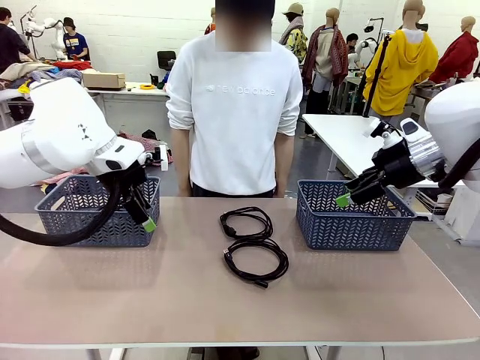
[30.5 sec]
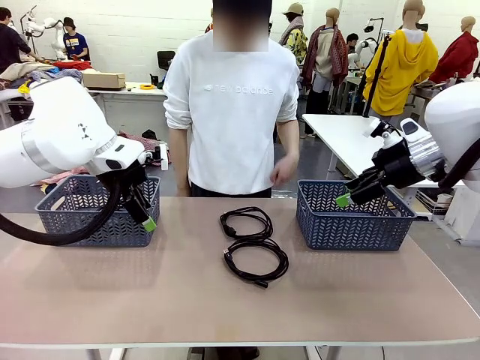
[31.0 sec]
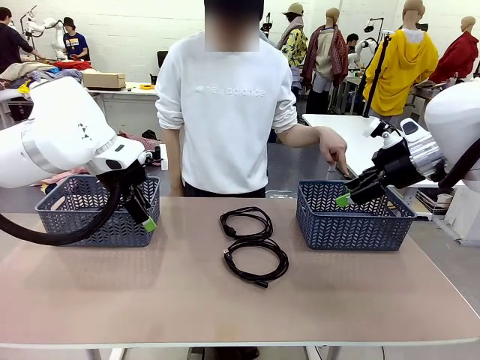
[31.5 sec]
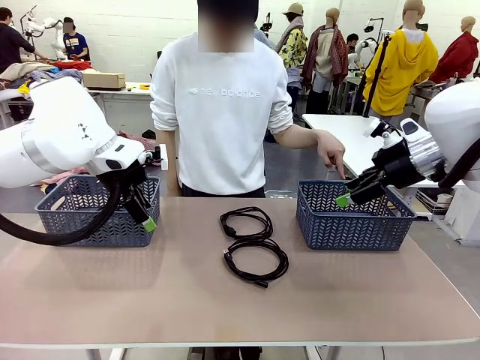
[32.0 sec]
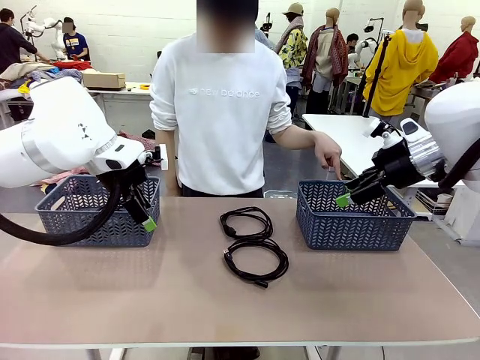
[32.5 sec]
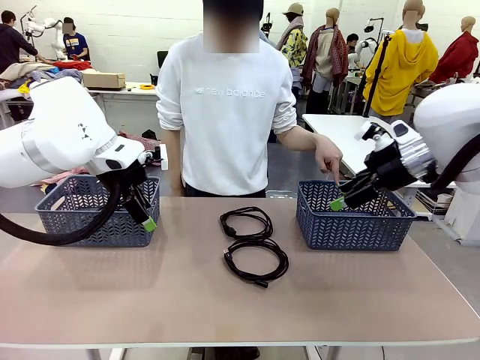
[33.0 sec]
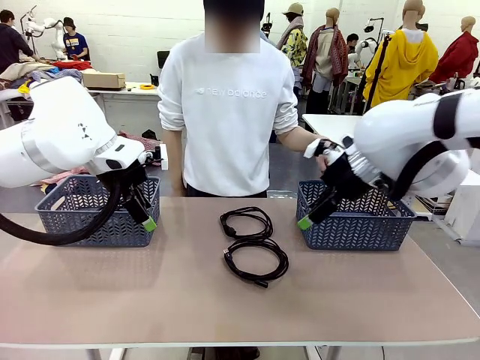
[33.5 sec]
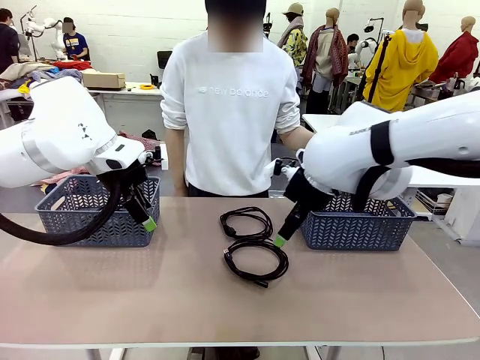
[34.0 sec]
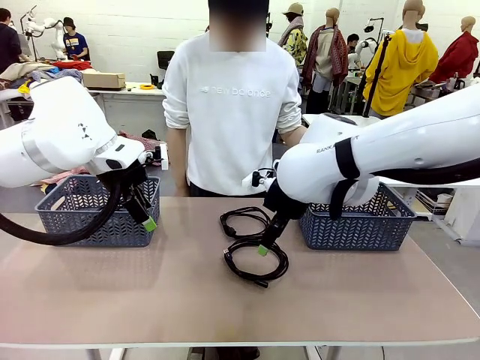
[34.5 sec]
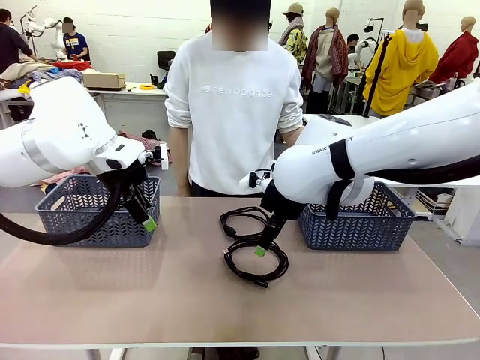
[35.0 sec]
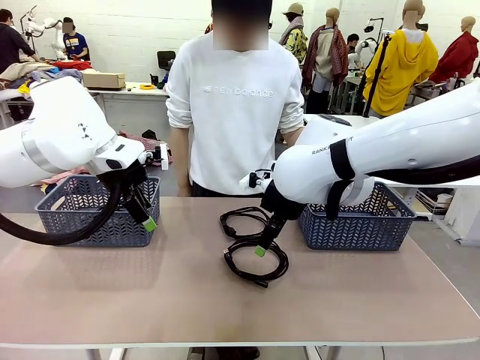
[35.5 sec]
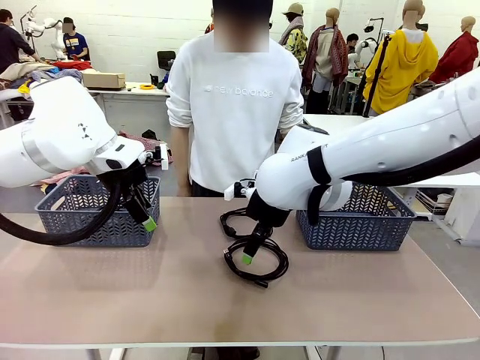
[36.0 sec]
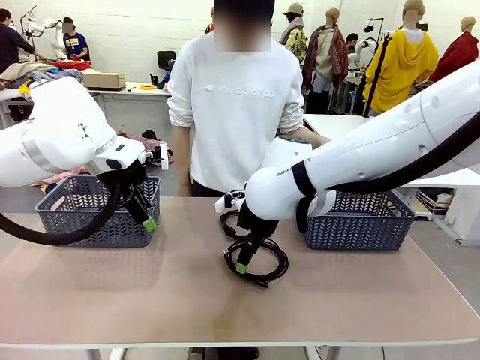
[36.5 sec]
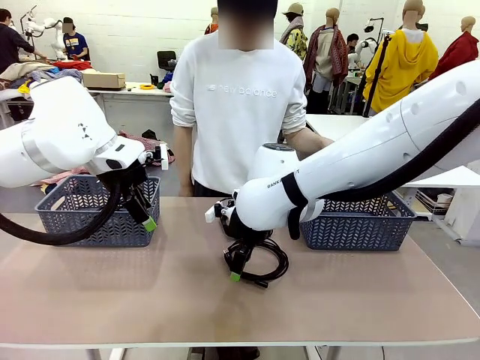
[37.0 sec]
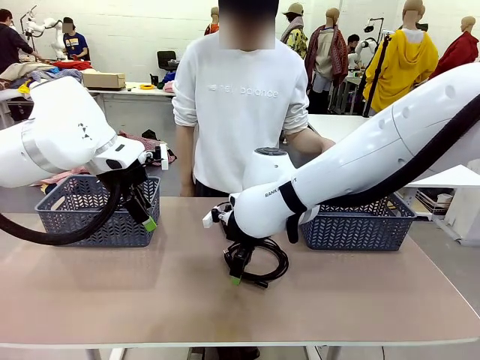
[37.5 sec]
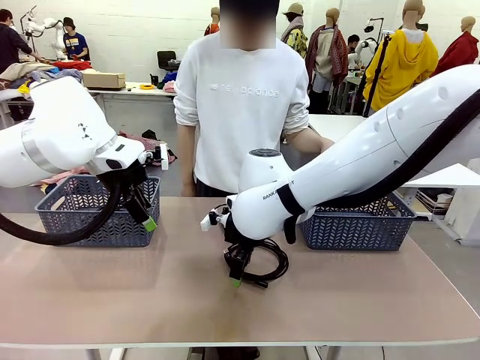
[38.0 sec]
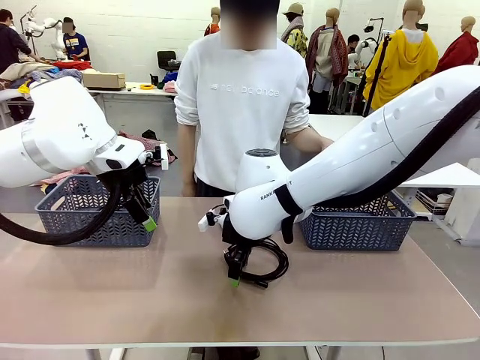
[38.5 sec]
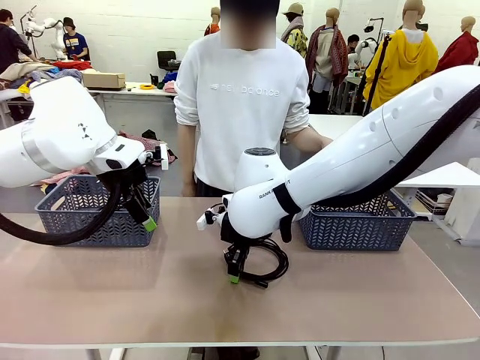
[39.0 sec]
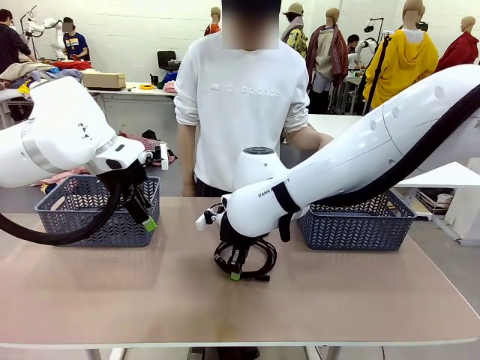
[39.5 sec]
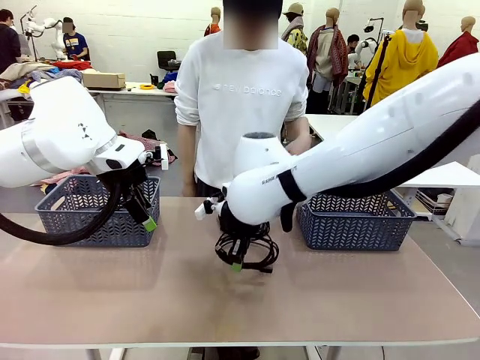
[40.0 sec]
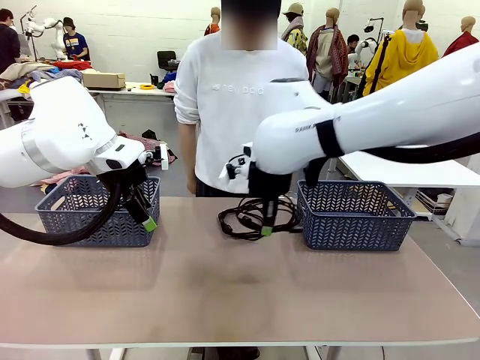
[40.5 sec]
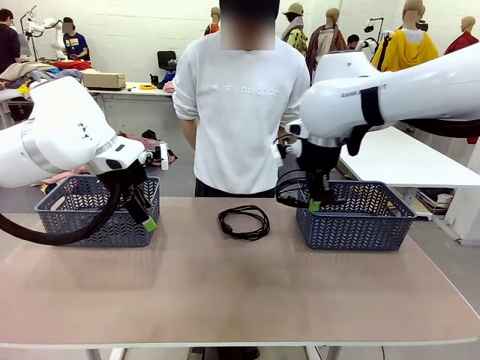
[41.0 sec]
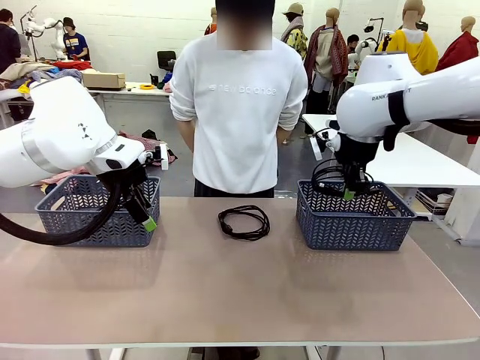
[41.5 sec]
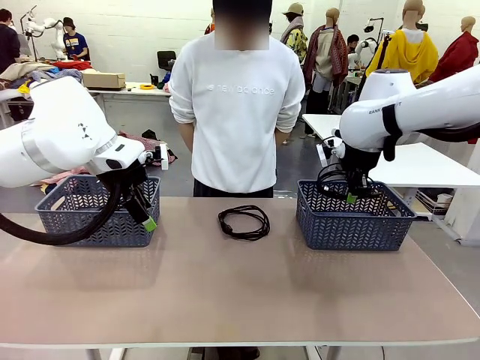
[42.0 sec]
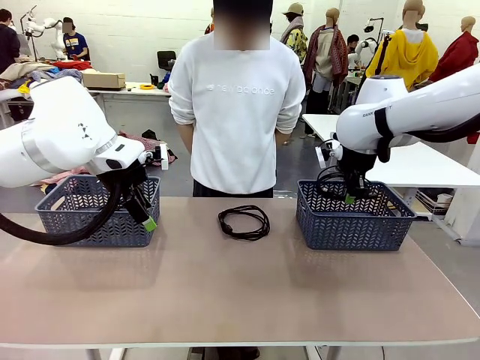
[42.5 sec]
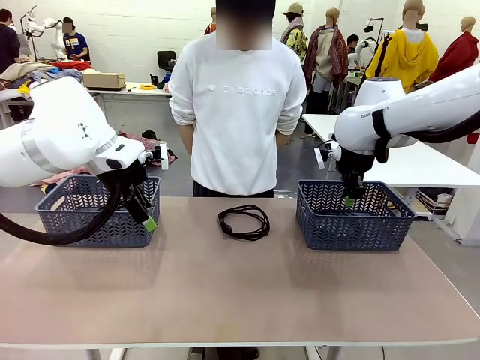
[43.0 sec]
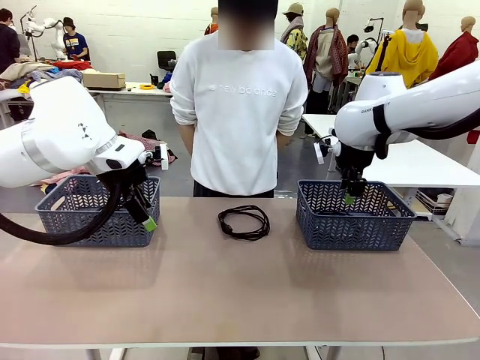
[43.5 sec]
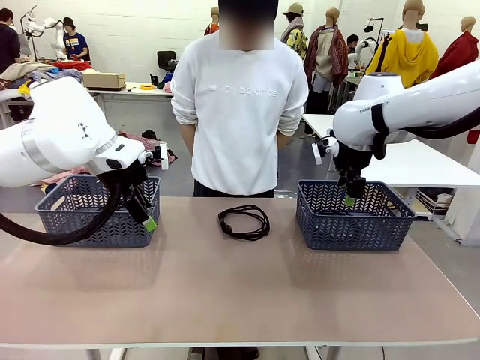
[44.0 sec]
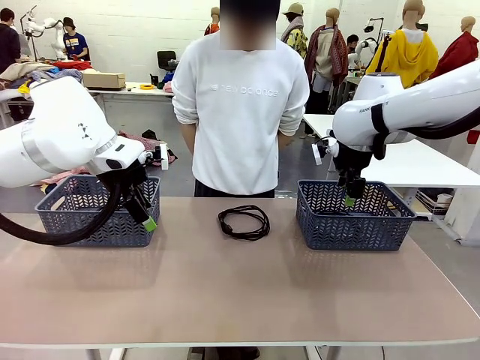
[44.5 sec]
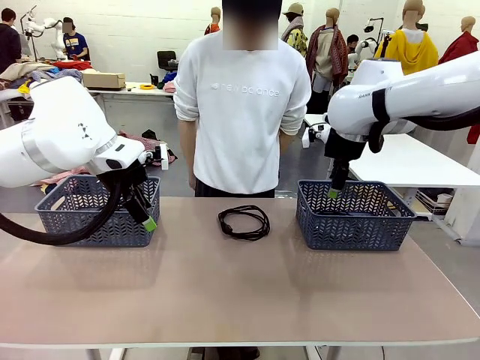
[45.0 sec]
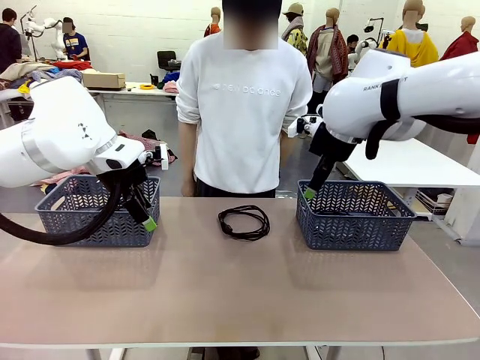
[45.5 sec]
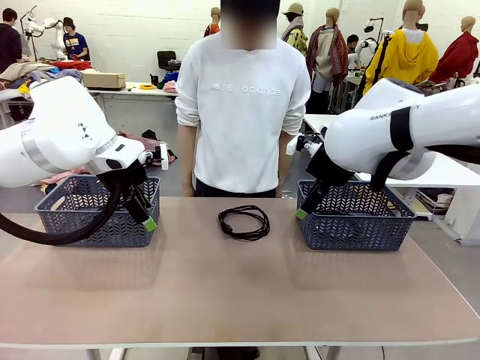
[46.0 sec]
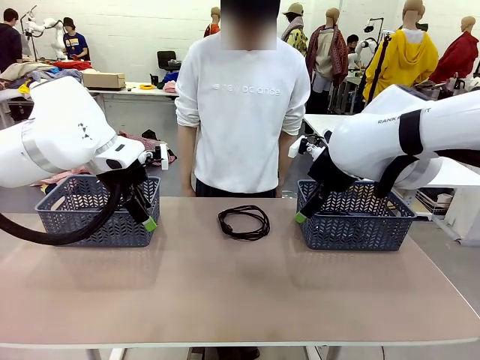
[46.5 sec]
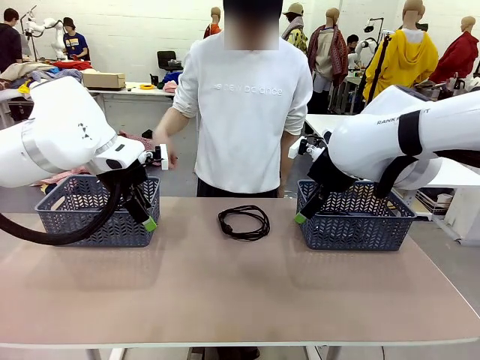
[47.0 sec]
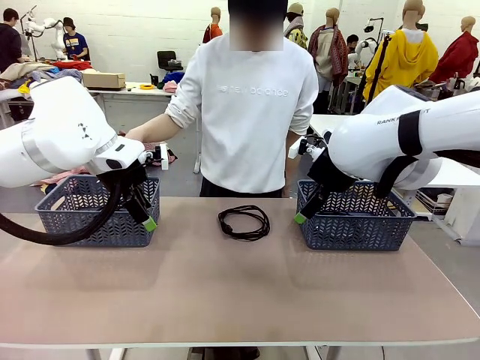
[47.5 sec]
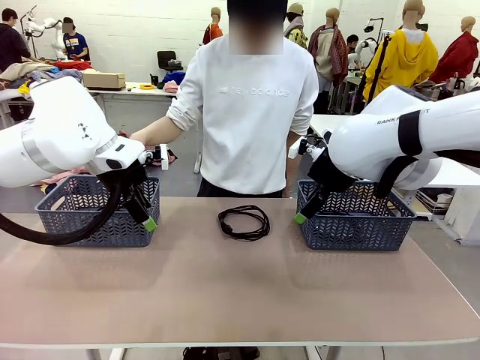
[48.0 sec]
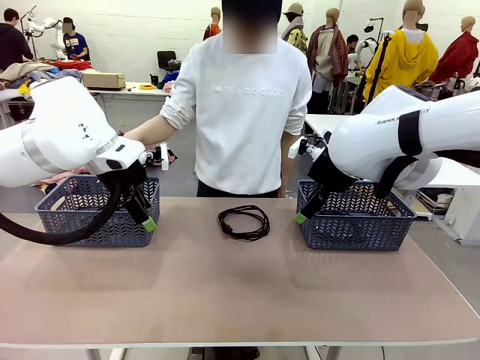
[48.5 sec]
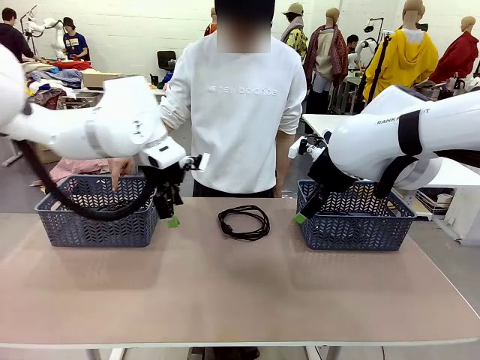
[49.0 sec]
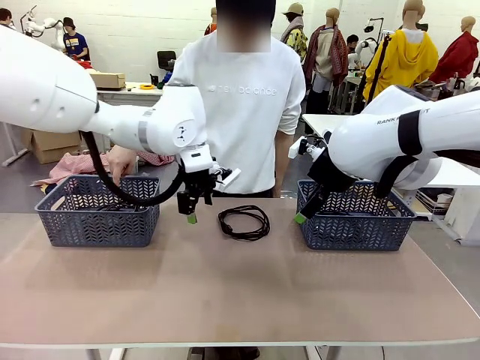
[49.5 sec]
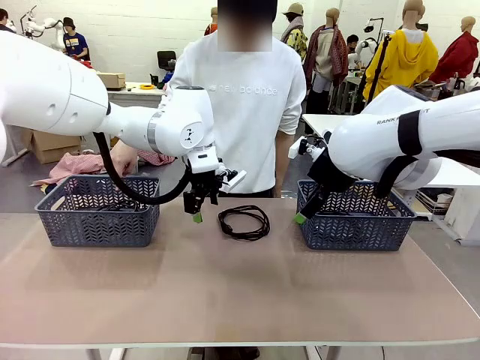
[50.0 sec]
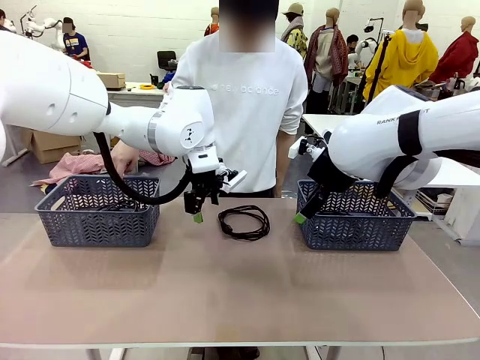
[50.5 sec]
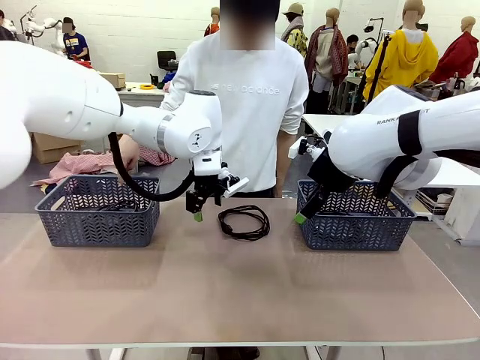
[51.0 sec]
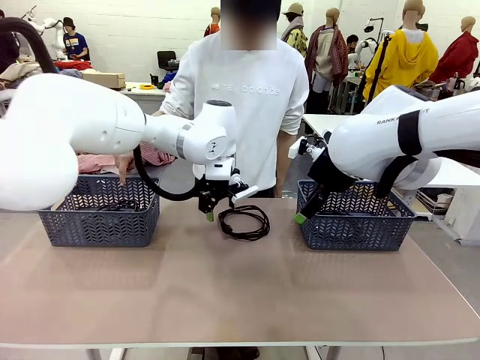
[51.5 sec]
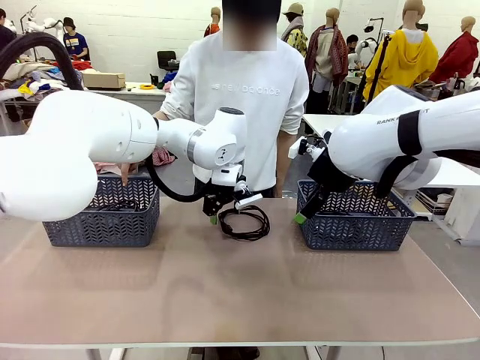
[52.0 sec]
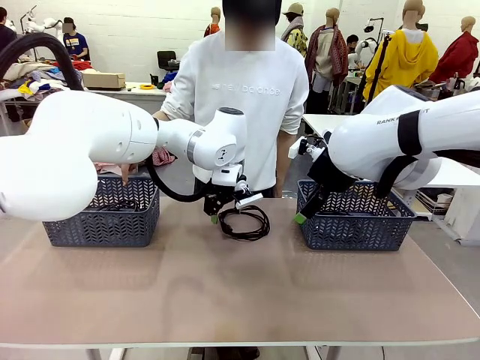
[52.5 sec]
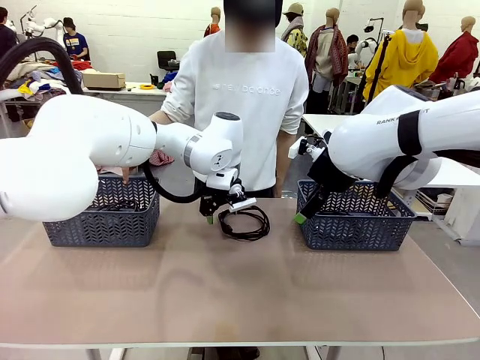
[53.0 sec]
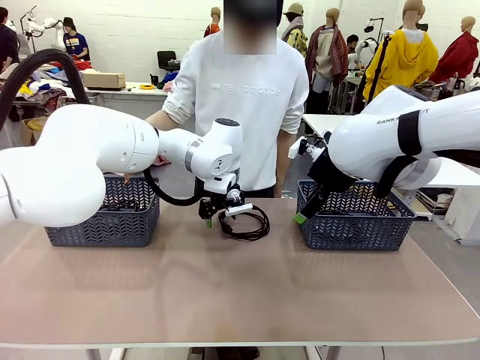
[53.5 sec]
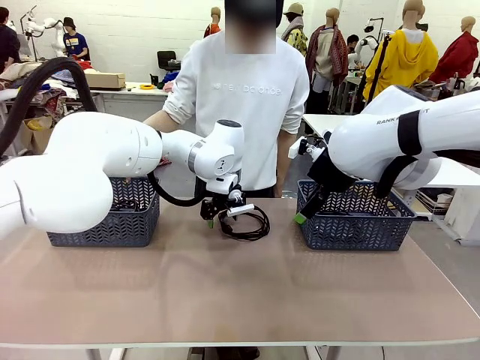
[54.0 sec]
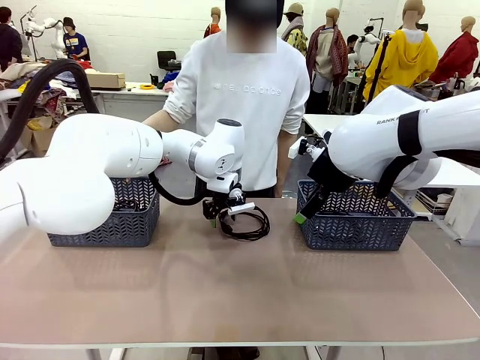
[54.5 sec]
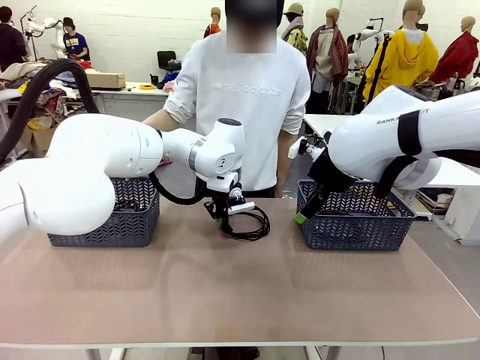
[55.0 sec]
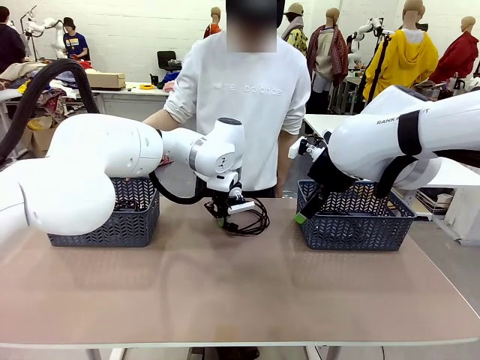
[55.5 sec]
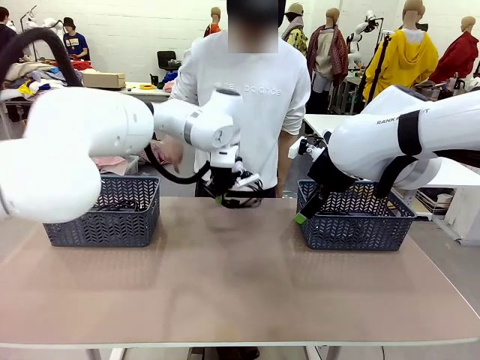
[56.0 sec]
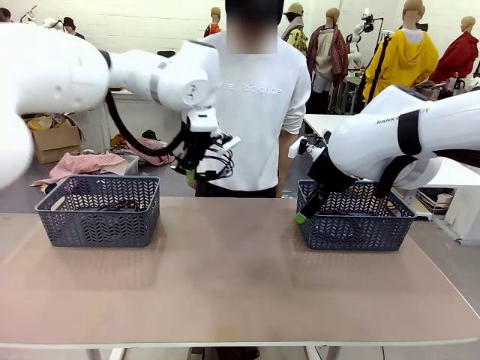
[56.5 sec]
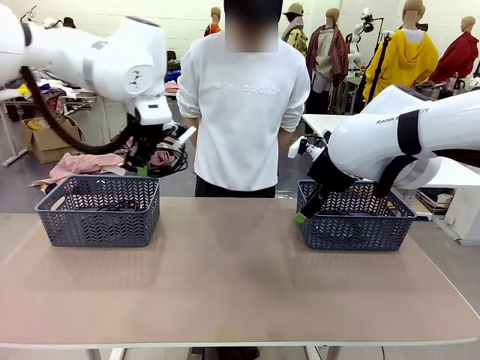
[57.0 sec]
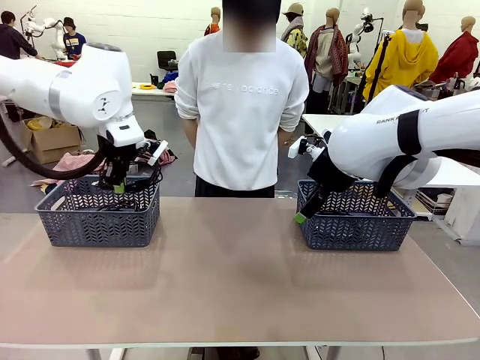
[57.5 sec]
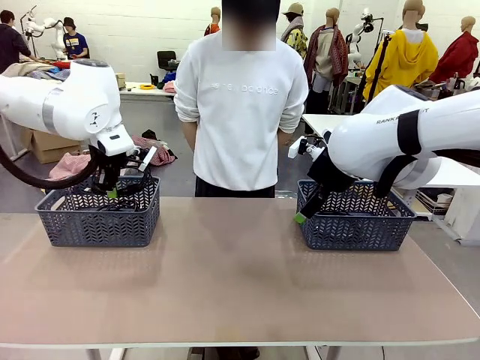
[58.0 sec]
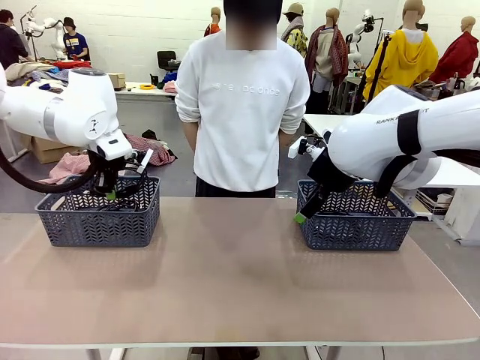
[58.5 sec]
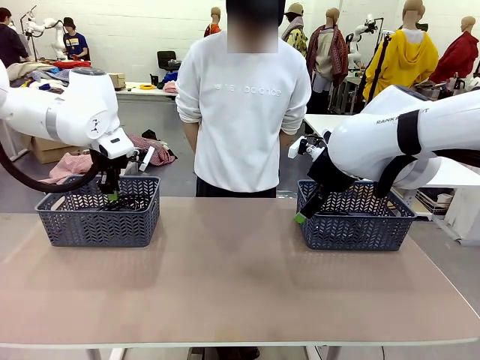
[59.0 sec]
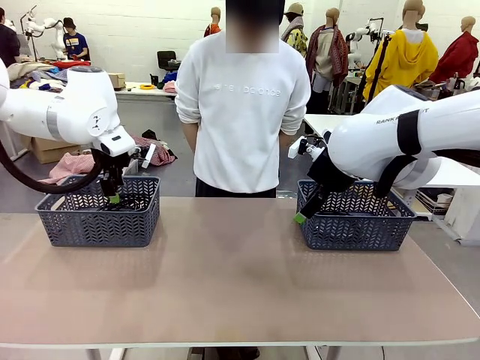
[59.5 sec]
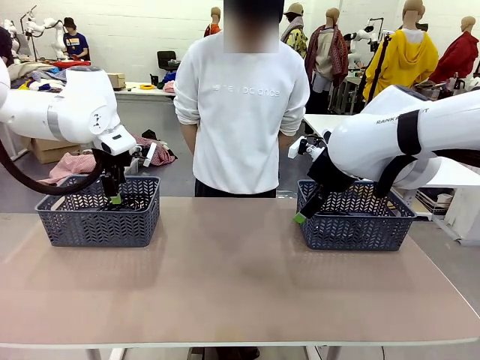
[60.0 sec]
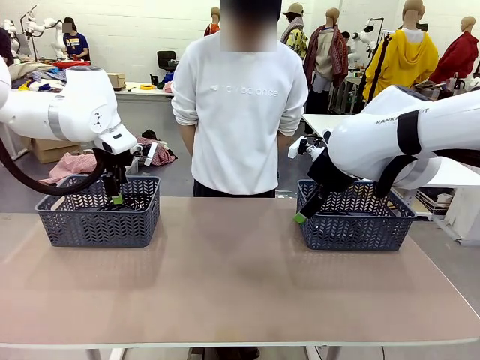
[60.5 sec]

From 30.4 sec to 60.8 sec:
Task: Organize the cables according to human instructions.
Robot: Pick up a bundle of cables and place it in the basket indicated by the human.
